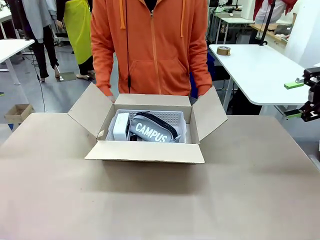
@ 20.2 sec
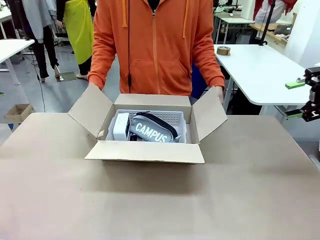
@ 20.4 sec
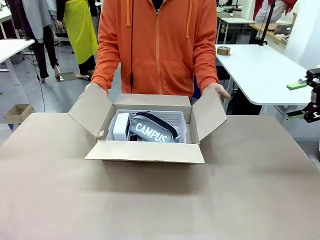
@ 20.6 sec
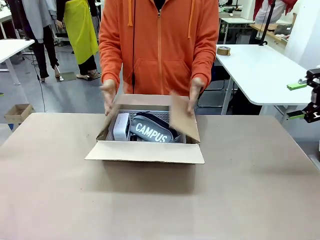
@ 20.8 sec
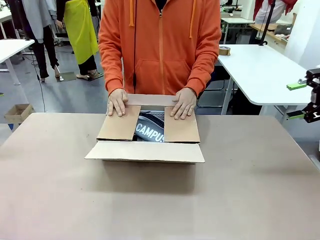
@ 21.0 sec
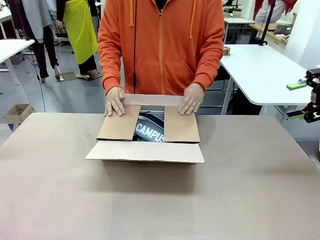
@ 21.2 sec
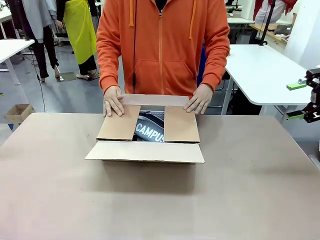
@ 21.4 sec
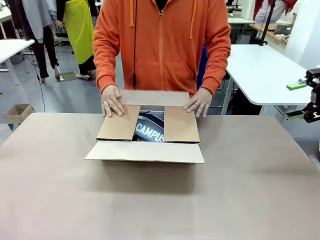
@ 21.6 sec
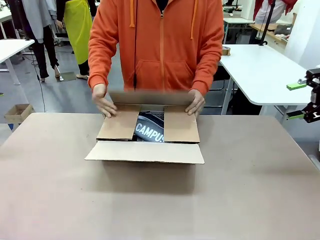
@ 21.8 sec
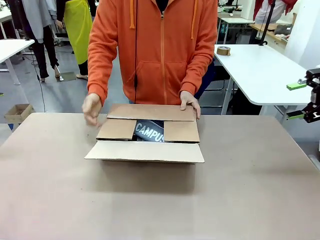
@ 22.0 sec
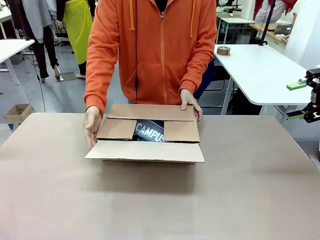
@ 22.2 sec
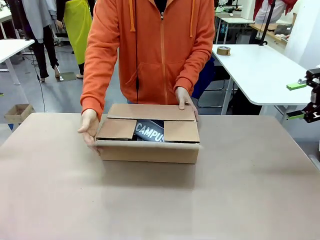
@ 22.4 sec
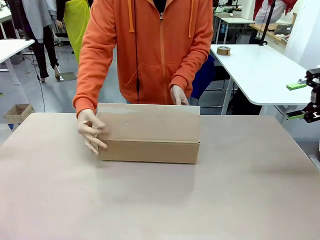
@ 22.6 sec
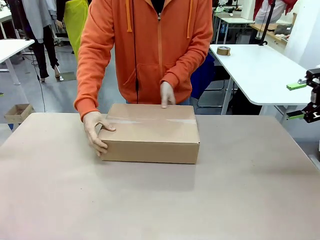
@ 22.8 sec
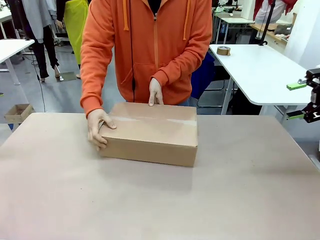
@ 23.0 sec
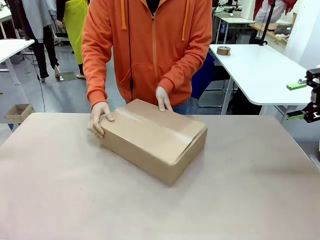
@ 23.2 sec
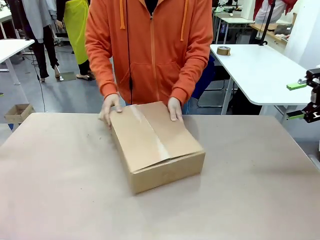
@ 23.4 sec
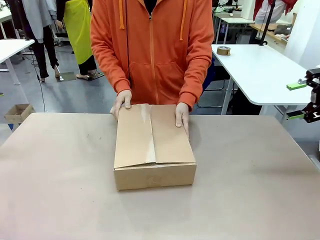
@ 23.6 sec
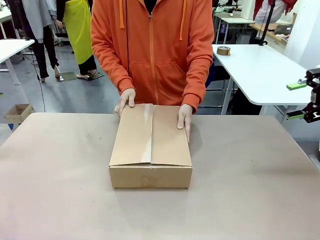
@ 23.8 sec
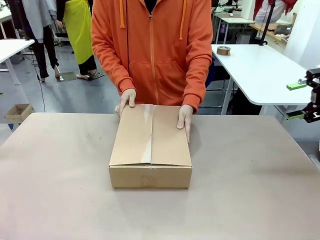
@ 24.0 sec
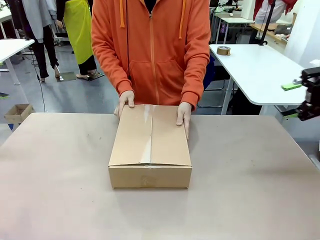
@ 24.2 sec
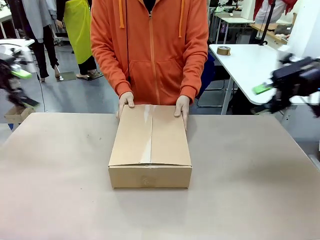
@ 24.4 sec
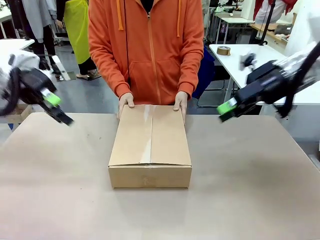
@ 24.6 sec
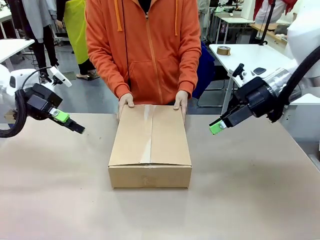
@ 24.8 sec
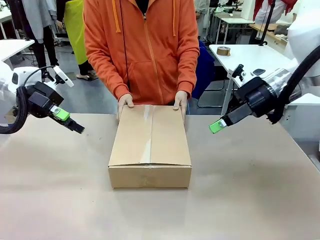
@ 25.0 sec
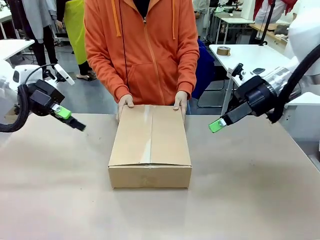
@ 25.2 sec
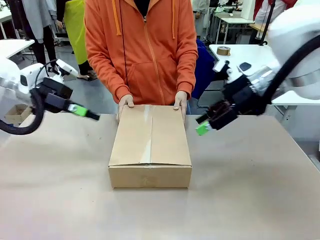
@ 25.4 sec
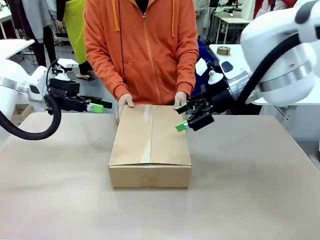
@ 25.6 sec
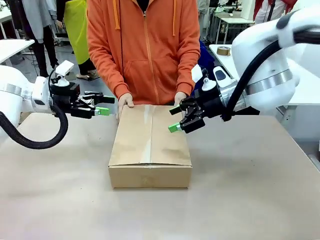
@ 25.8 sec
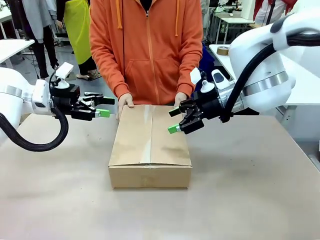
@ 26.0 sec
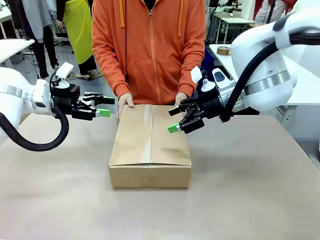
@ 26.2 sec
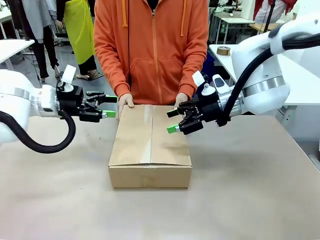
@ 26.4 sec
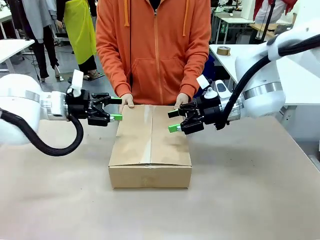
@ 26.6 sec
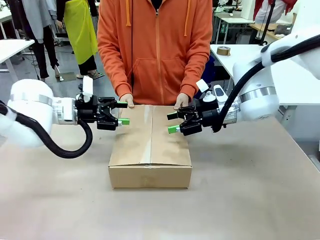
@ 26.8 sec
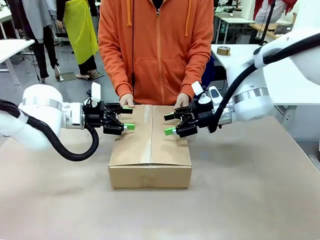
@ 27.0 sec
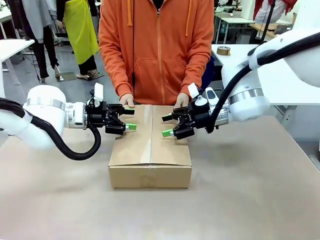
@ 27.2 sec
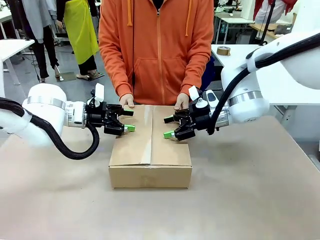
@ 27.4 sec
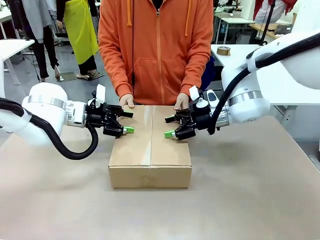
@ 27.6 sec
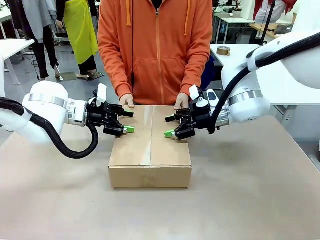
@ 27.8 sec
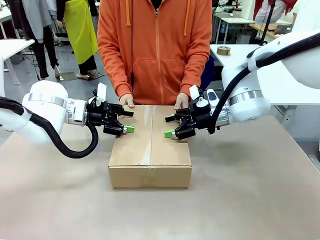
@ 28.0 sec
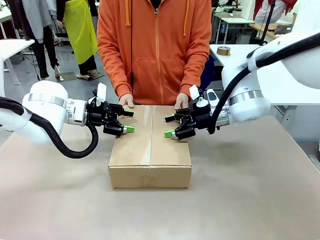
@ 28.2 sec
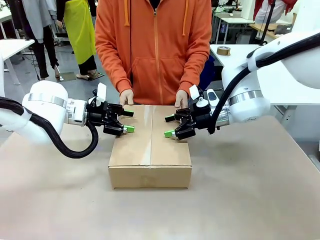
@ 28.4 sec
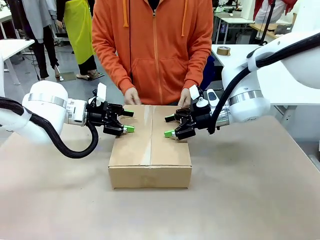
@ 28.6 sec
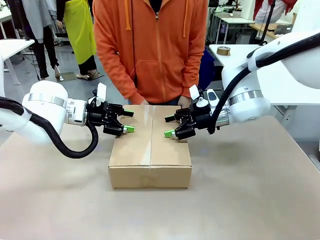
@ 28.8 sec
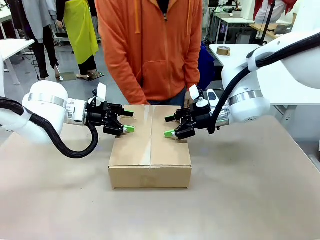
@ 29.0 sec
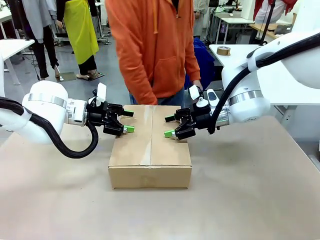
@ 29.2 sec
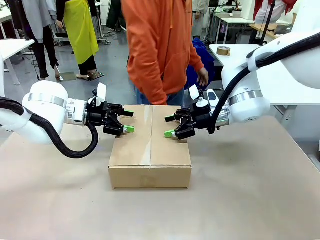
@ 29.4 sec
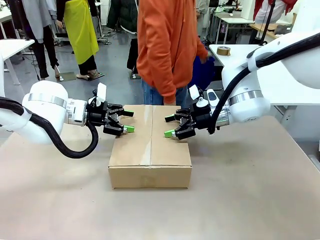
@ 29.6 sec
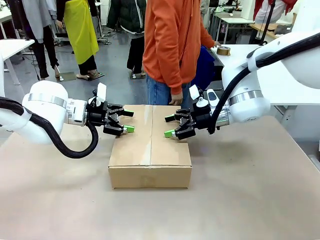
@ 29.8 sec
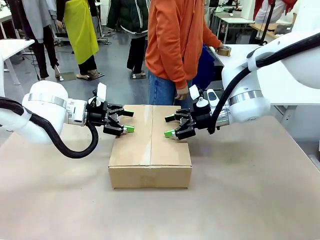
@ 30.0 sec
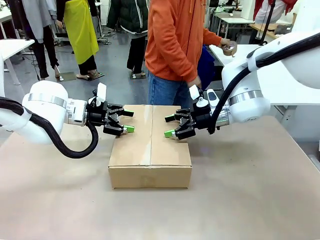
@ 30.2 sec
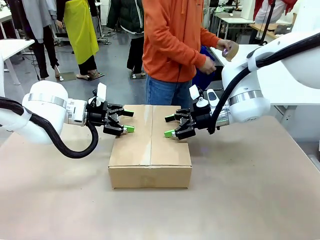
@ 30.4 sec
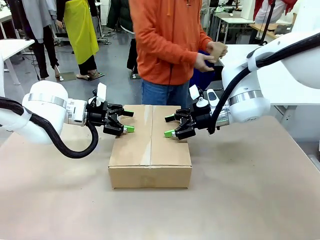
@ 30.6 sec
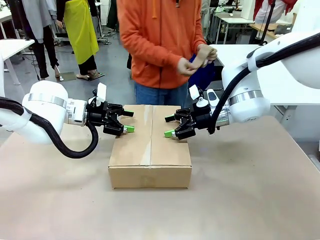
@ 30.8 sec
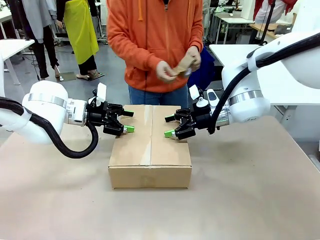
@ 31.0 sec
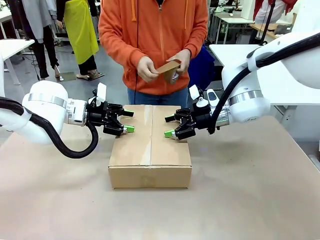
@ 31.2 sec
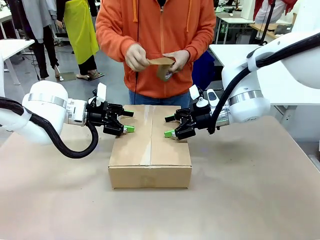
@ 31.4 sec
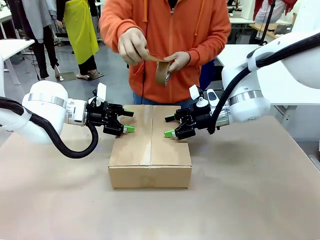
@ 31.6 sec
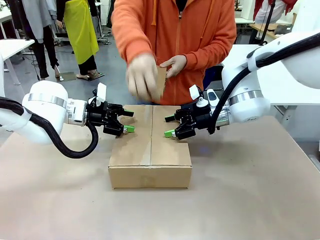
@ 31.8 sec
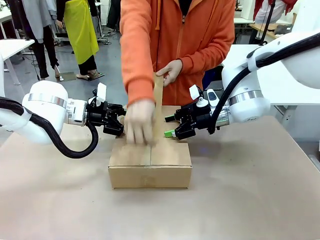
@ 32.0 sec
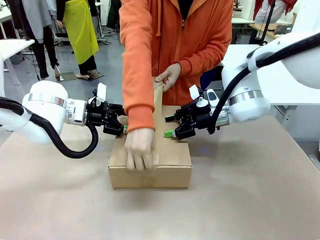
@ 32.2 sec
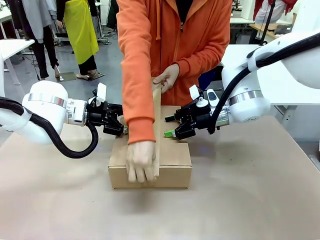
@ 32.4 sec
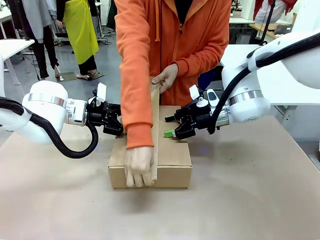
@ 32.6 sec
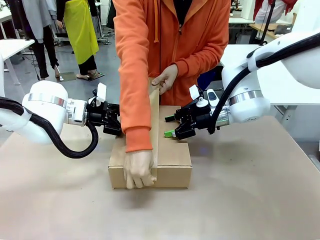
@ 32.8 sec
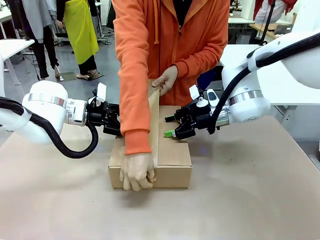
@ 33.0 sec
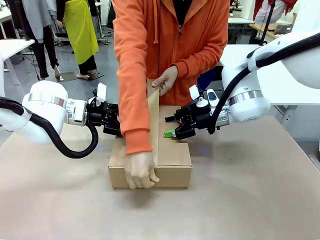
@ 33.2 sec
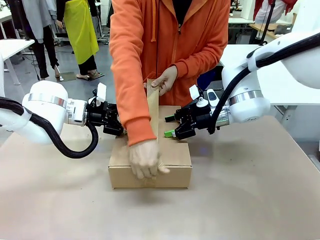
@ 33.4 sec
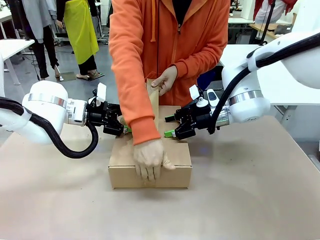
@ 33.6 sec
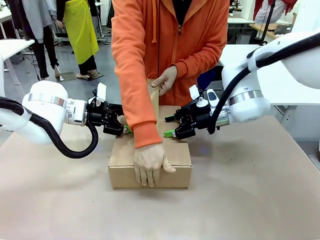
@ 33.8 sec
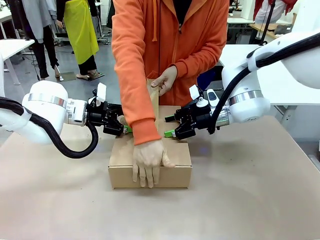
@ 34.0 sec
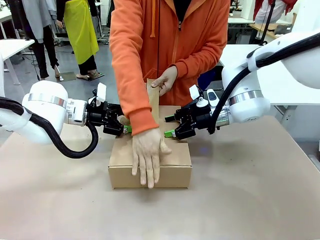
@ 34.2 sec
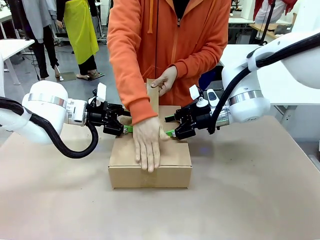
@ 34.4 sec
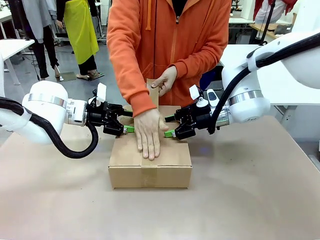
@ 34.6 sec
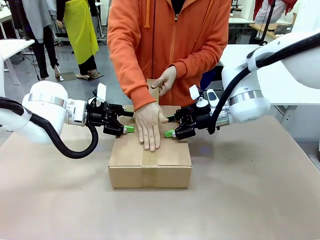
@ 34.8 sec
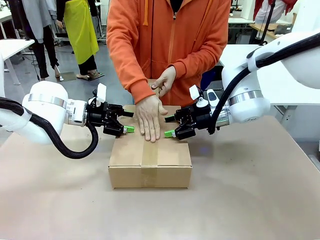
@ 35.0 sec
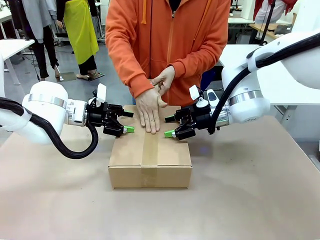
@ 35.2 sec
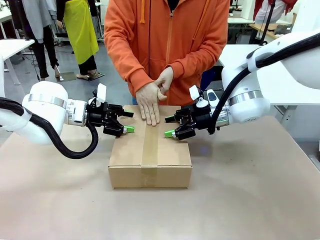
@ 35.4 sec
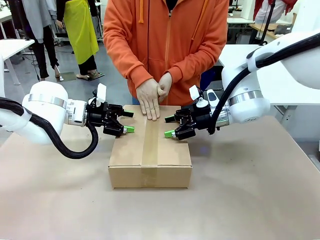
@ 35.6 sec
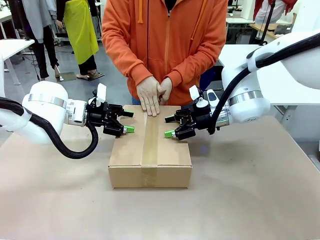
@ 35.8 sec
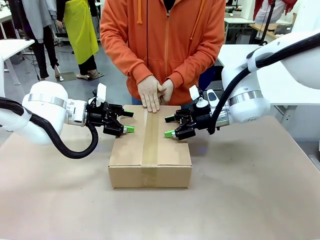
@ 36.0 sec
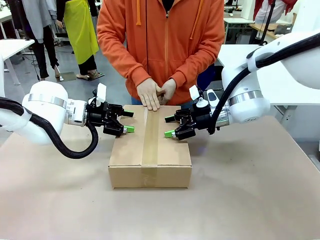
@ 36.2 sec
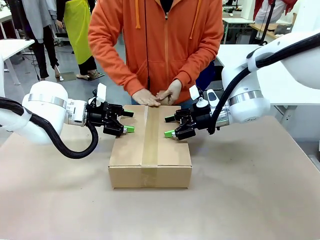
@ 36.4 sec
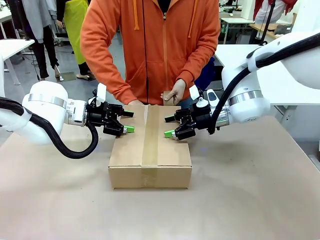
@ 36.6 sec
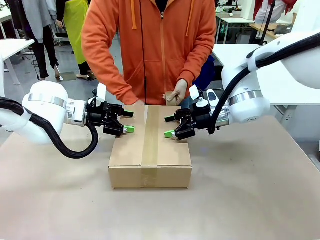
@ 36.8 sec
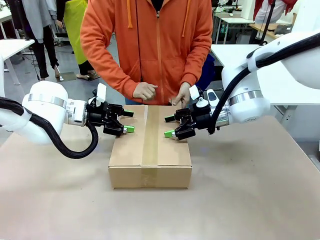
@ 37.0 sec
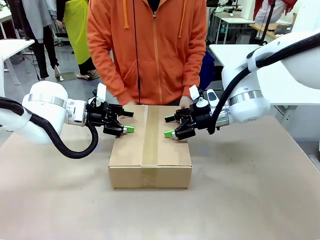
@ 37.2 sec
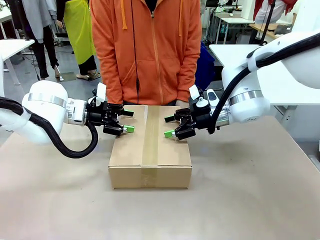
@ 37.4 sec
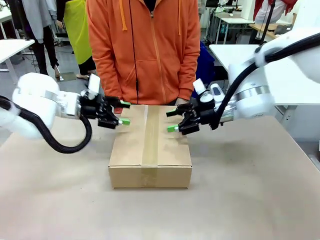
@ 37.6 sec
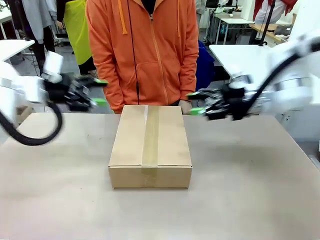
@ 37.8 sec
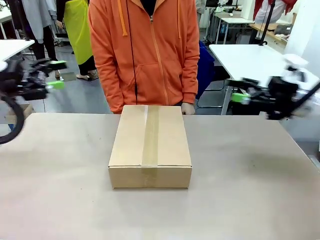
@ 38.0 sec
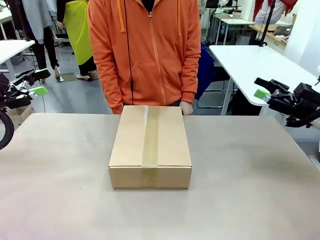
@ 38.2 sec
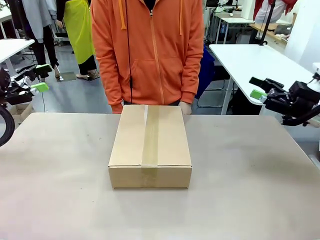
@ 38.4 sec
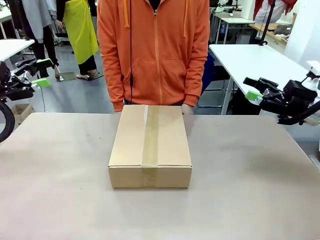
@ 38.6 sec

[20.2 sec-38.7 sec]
Task: Pack the gift set into the box.
Robot: Press and hold the closed box until the human finishes sealing it.
Person: The human closes the box and rotates the box by 90 degrees. The human picks up the paper tape from the human table and packs the box.
